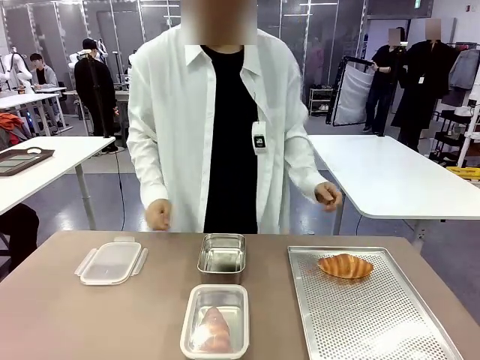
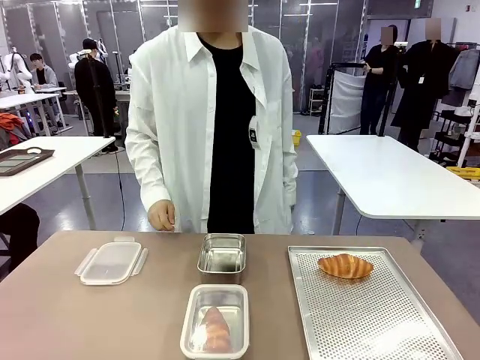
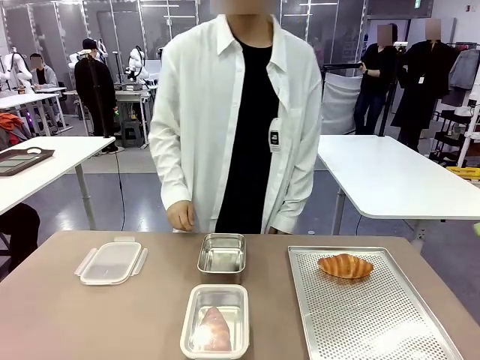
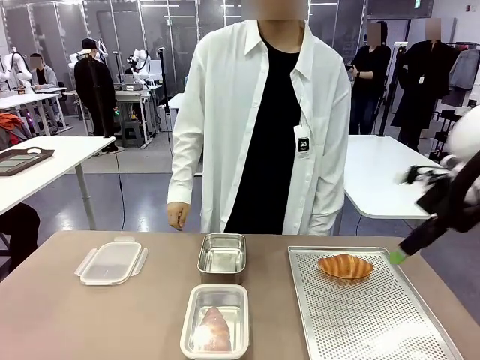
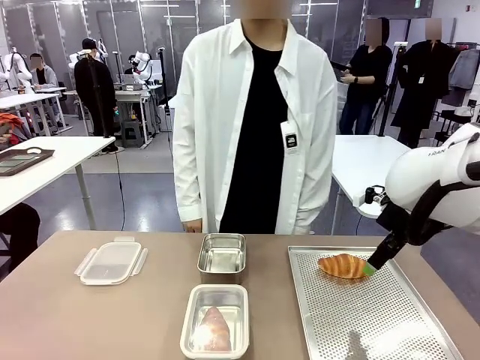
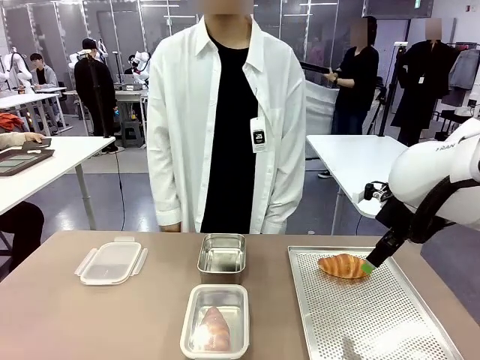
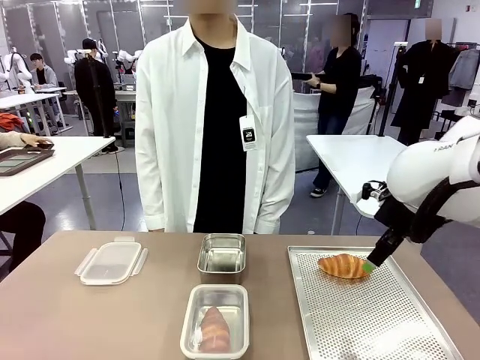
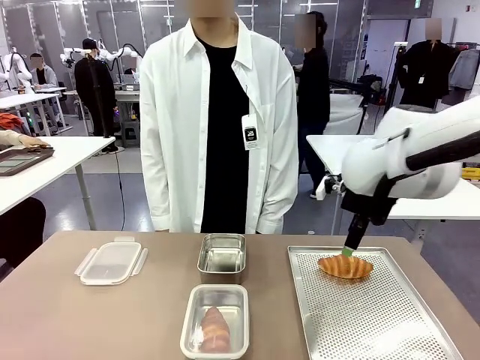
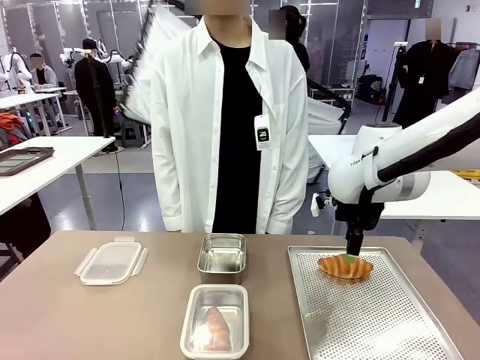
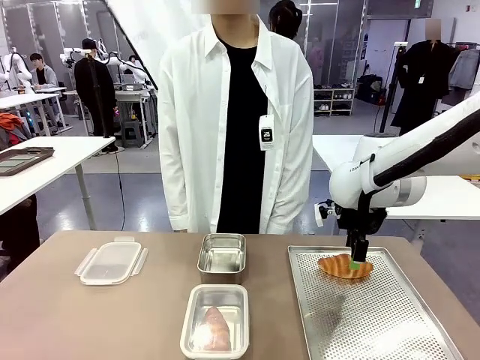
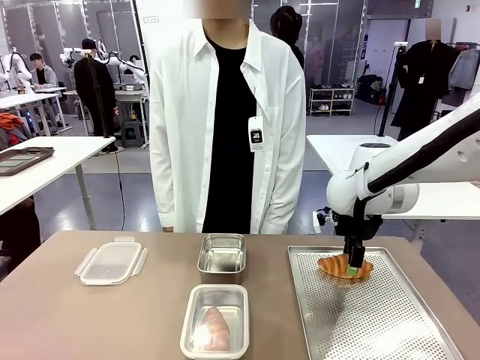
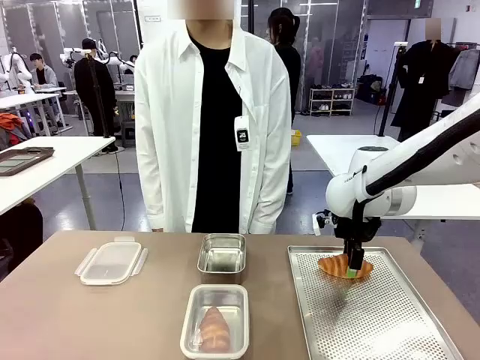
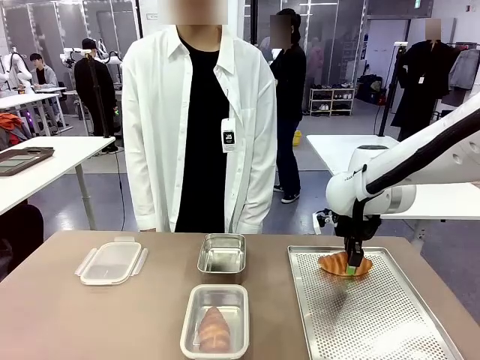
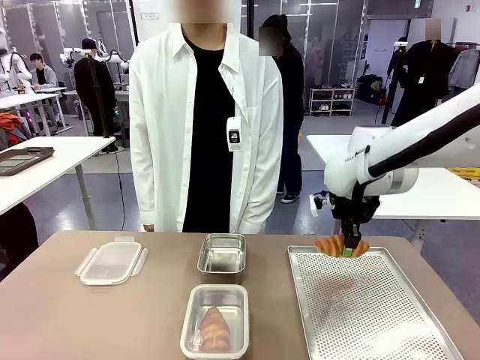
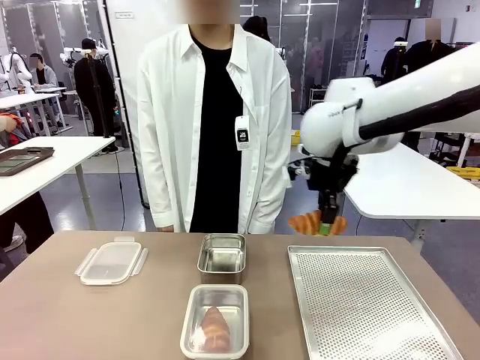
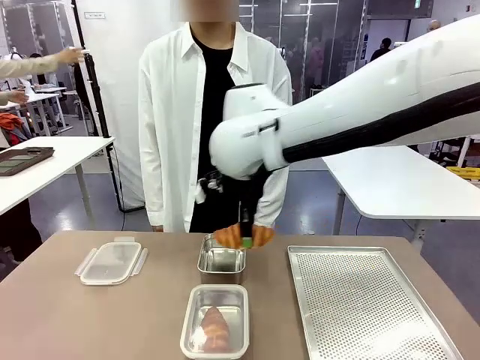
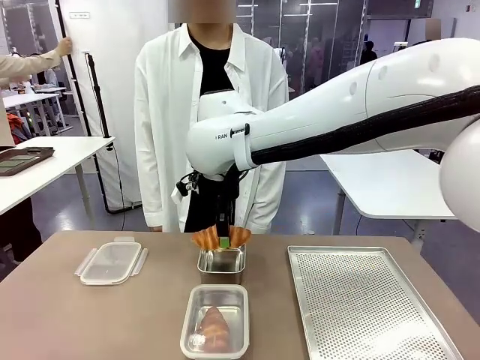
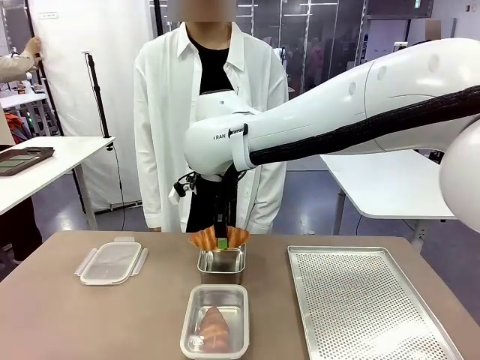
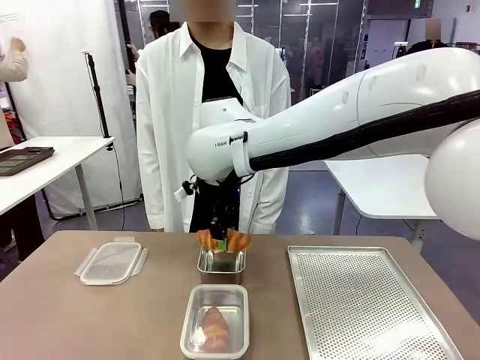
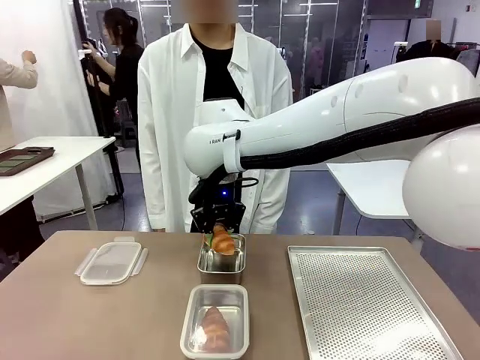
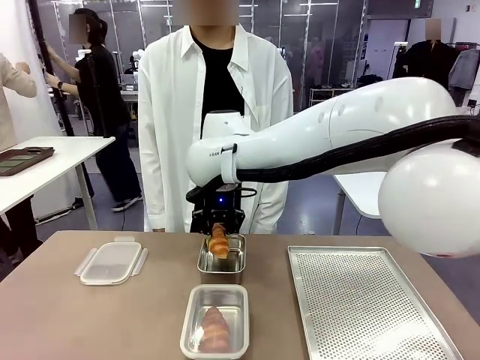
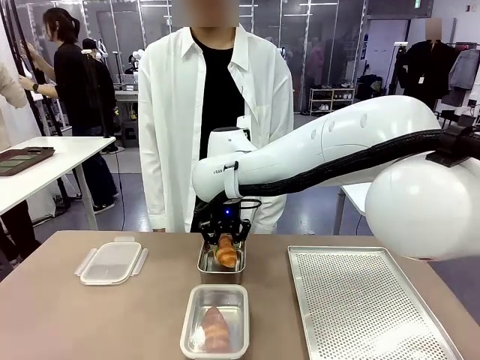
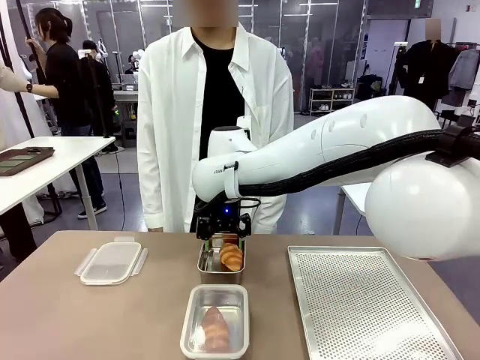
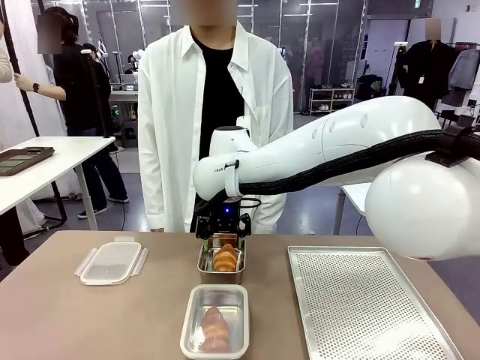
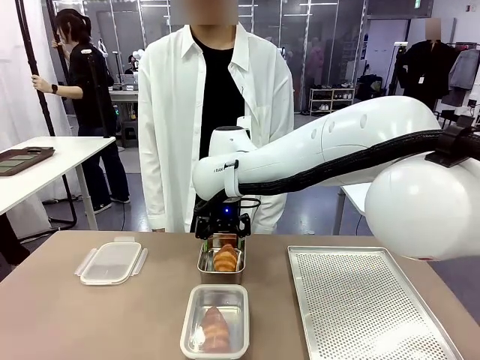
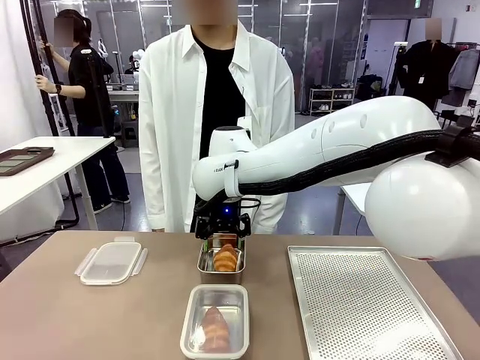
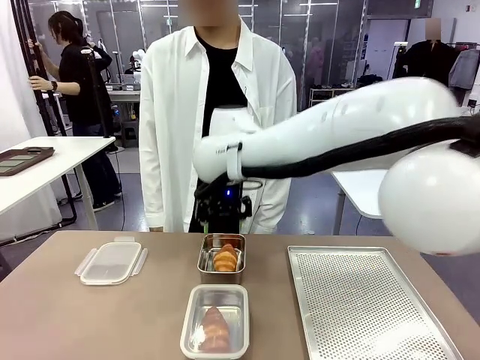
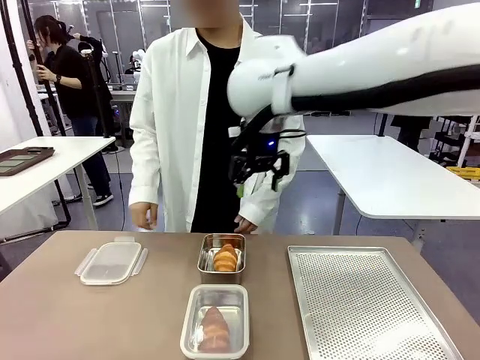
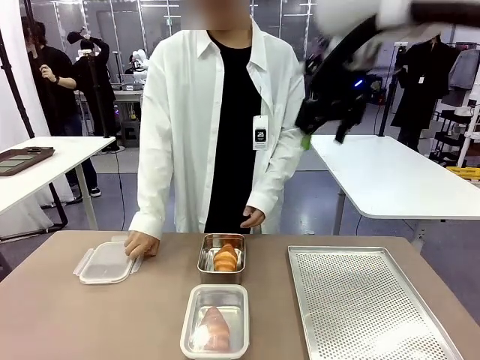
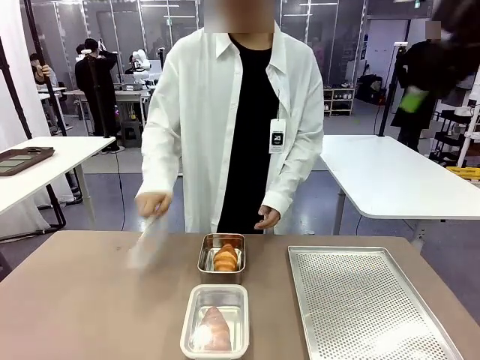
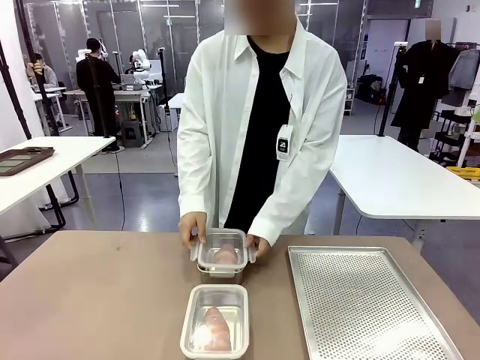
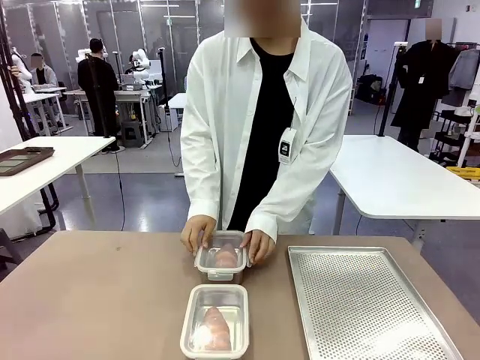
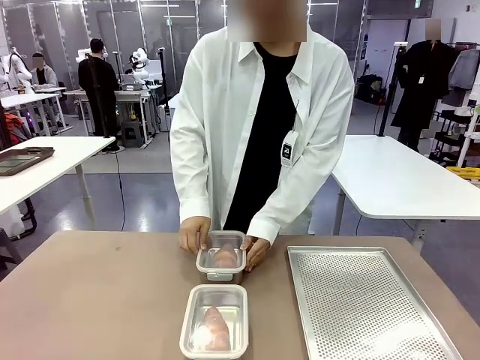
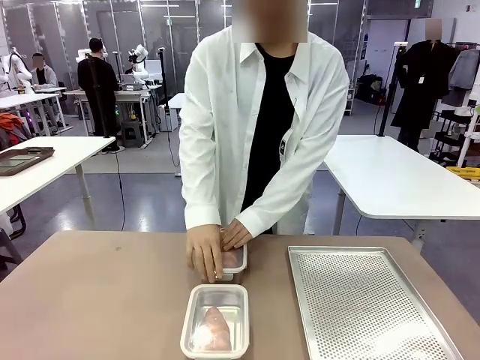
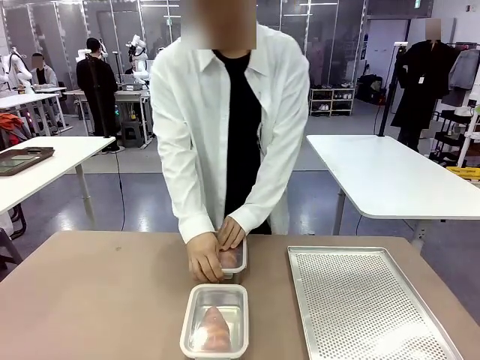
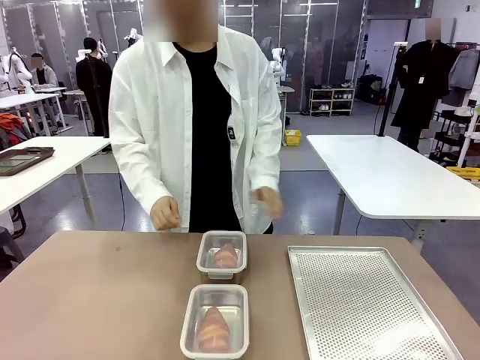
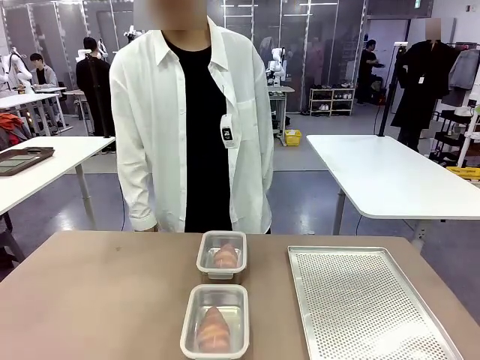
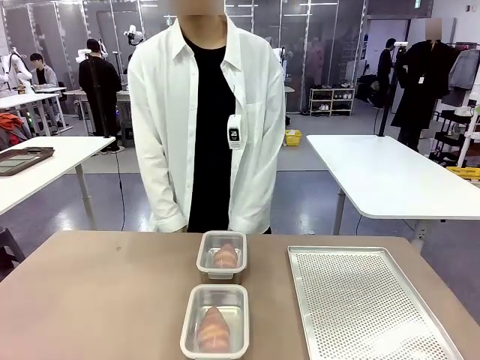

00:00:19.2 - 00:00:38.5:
Task: Place the bread into the airtight container.
Robot: Pick up a Butter Roll and place it into an empty Airtight Container.
Person: Once a Butter Roll is inside an Airtight Container , close the lid of that Airtight Container.
